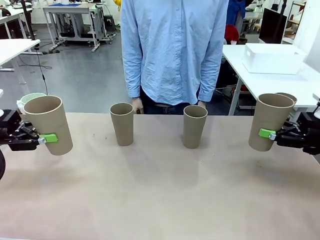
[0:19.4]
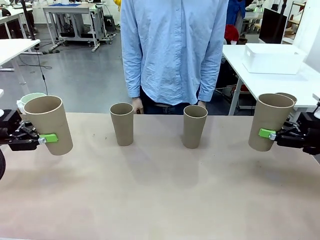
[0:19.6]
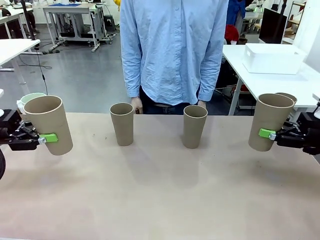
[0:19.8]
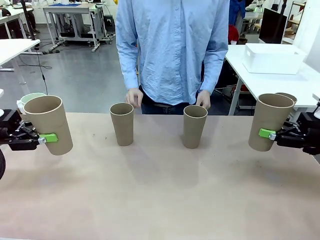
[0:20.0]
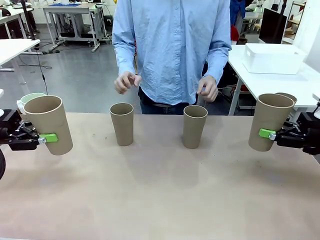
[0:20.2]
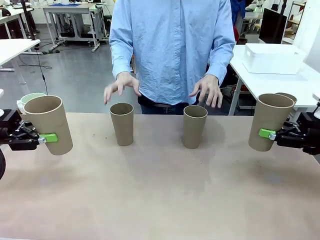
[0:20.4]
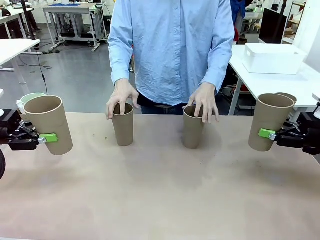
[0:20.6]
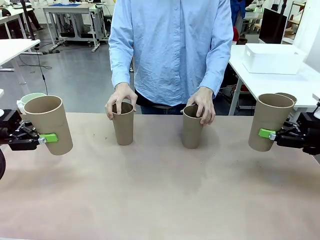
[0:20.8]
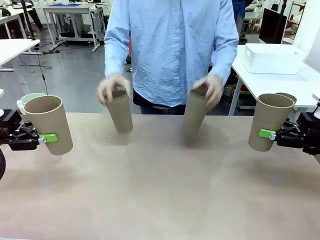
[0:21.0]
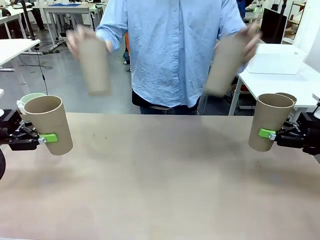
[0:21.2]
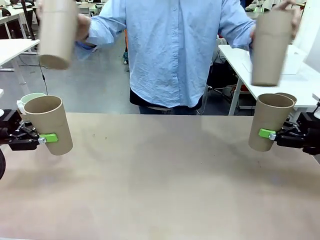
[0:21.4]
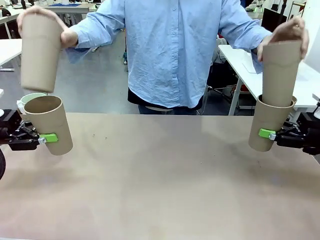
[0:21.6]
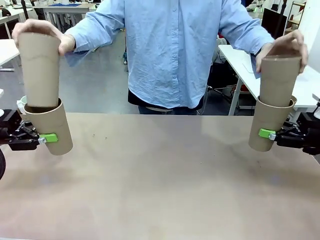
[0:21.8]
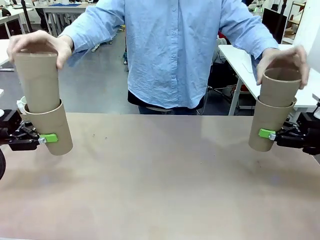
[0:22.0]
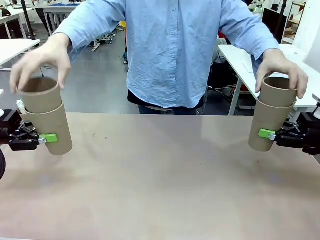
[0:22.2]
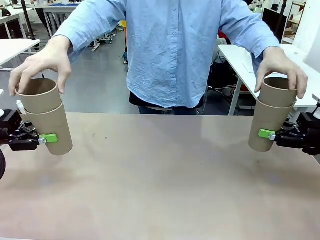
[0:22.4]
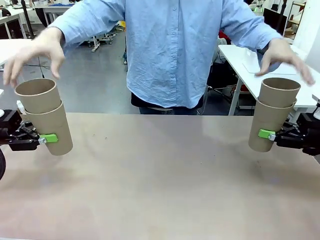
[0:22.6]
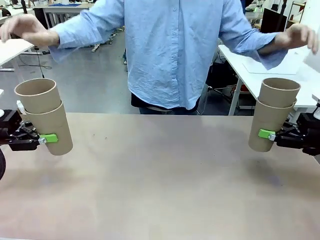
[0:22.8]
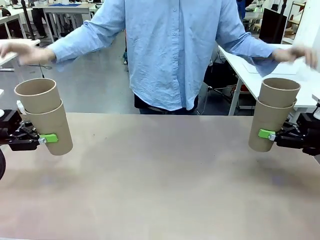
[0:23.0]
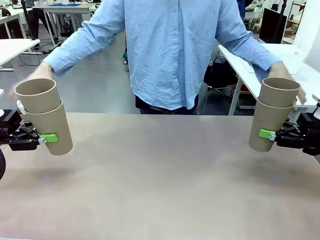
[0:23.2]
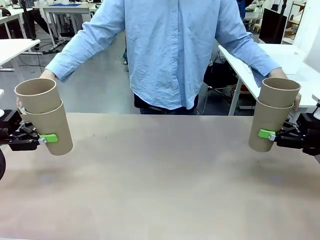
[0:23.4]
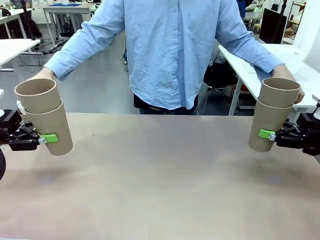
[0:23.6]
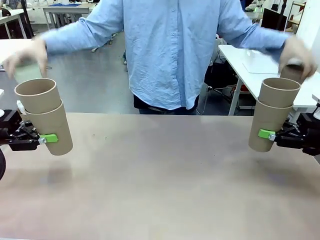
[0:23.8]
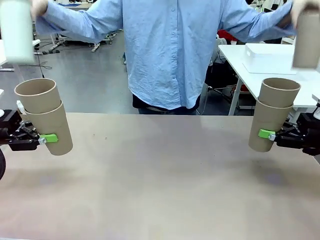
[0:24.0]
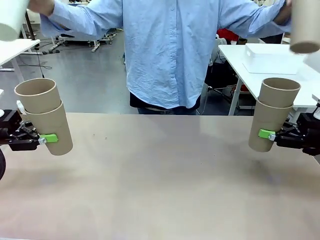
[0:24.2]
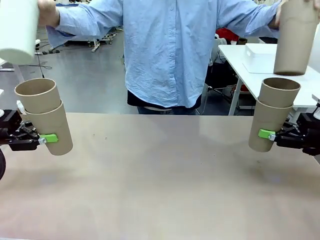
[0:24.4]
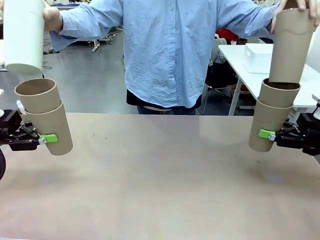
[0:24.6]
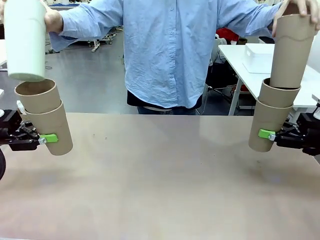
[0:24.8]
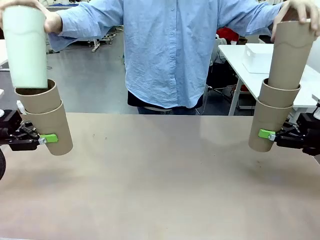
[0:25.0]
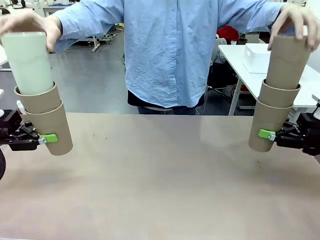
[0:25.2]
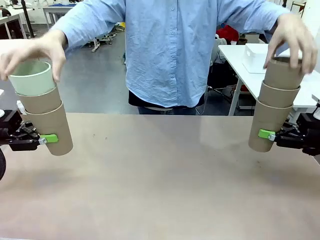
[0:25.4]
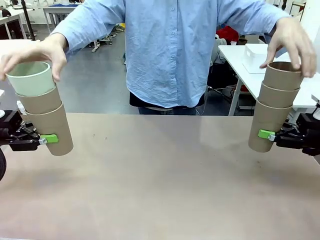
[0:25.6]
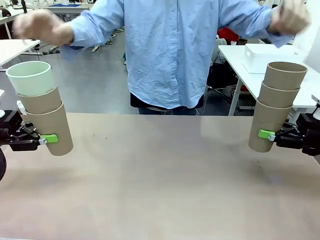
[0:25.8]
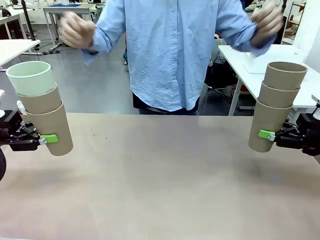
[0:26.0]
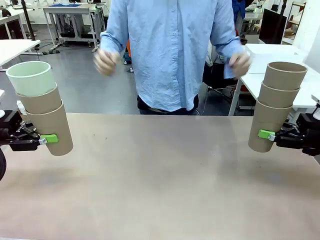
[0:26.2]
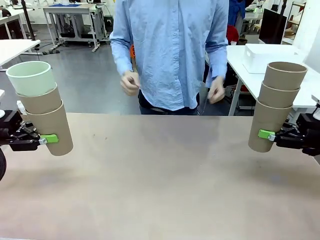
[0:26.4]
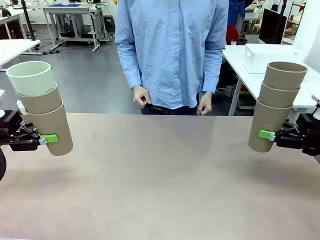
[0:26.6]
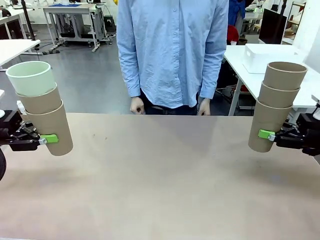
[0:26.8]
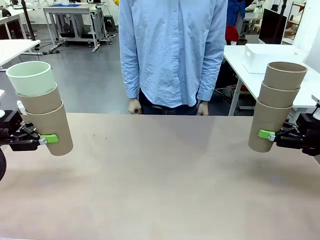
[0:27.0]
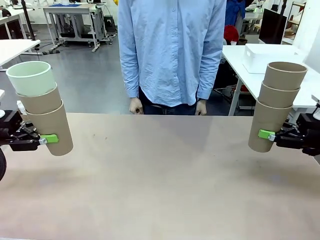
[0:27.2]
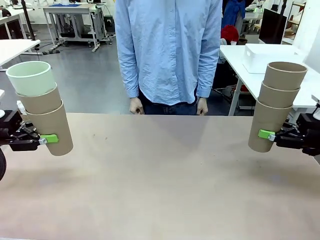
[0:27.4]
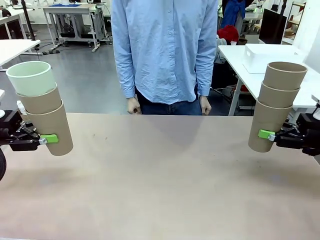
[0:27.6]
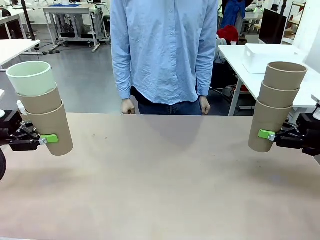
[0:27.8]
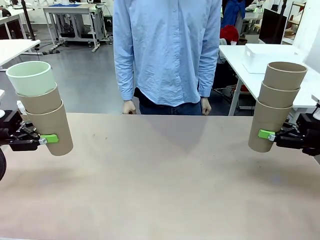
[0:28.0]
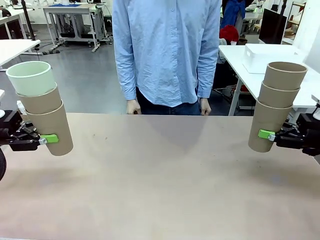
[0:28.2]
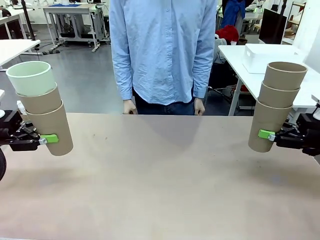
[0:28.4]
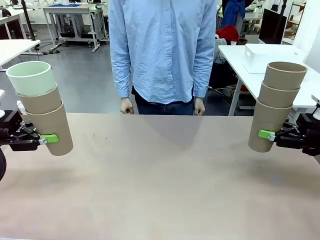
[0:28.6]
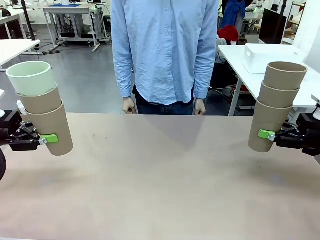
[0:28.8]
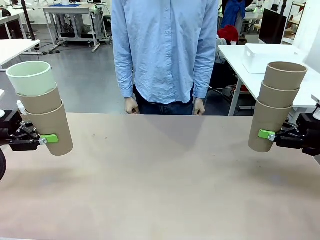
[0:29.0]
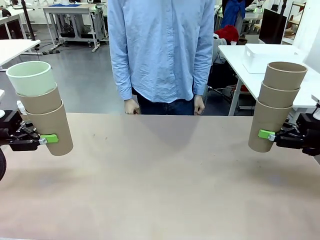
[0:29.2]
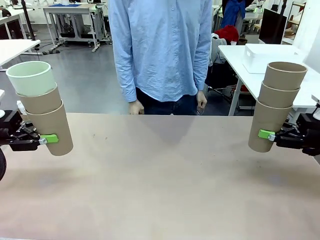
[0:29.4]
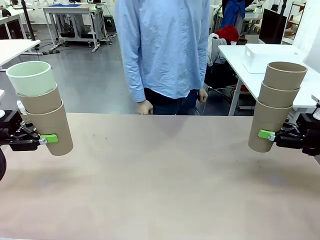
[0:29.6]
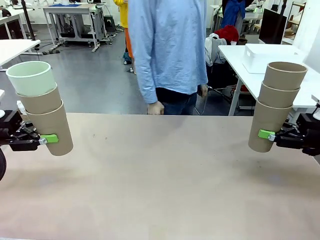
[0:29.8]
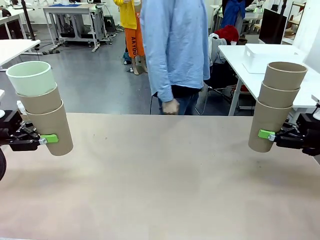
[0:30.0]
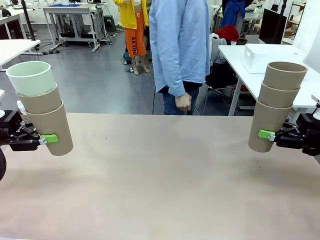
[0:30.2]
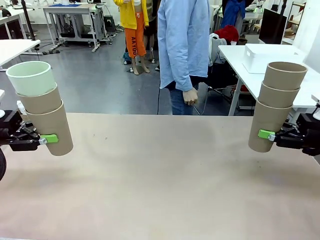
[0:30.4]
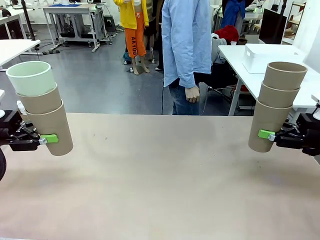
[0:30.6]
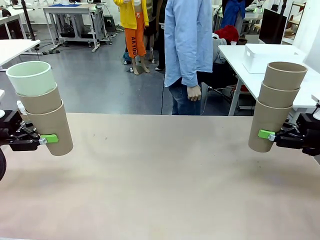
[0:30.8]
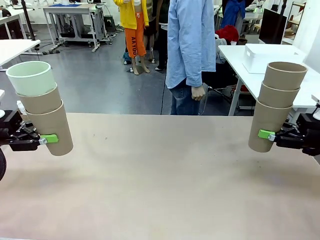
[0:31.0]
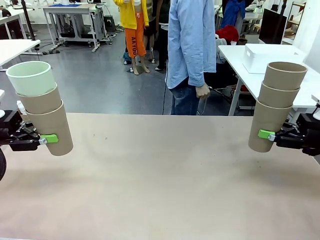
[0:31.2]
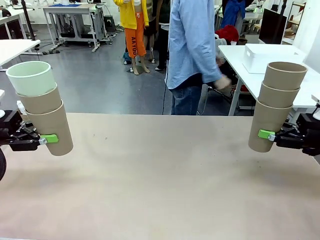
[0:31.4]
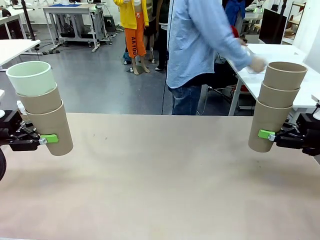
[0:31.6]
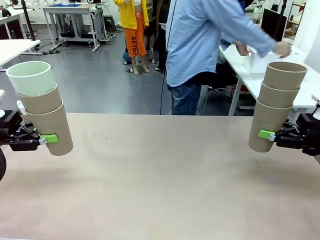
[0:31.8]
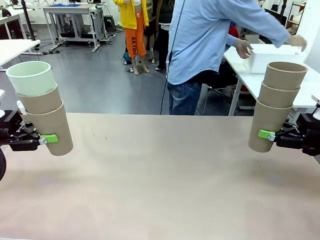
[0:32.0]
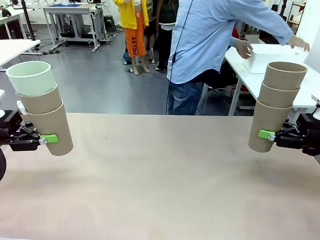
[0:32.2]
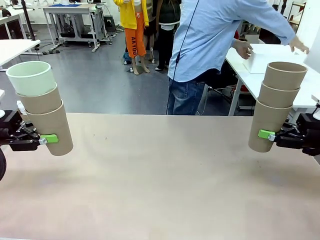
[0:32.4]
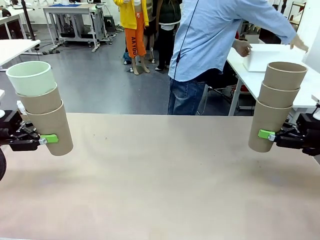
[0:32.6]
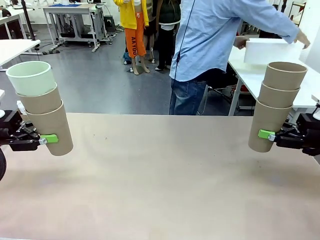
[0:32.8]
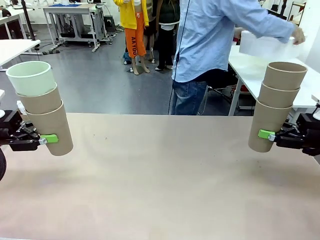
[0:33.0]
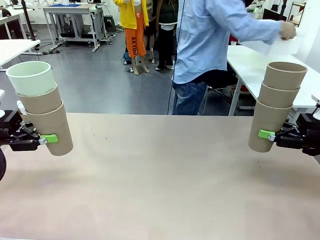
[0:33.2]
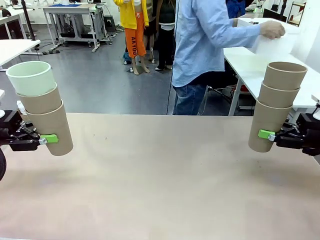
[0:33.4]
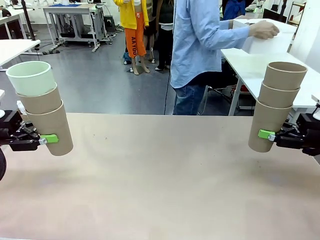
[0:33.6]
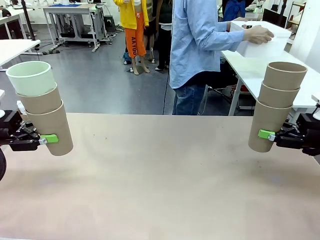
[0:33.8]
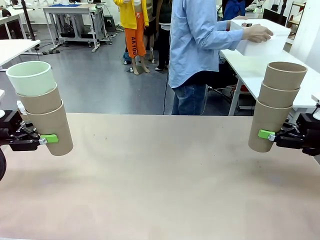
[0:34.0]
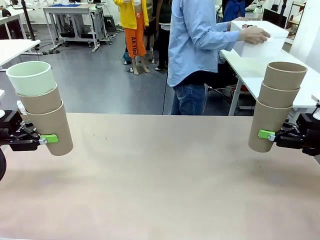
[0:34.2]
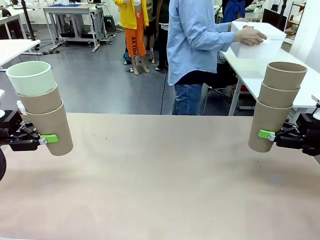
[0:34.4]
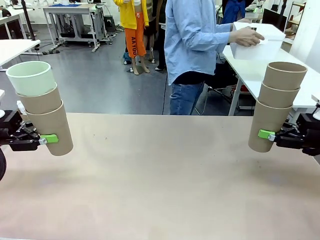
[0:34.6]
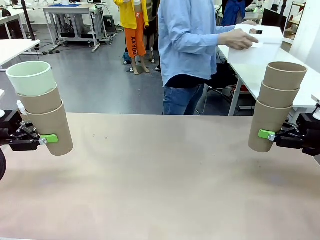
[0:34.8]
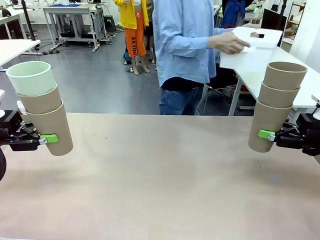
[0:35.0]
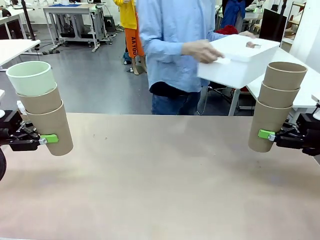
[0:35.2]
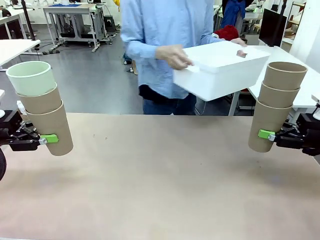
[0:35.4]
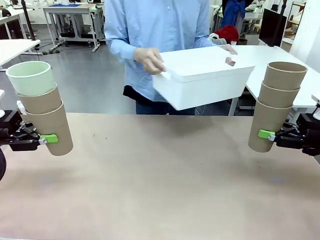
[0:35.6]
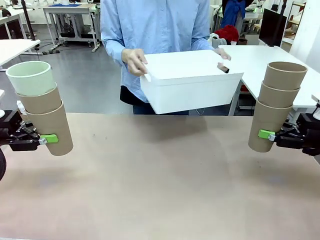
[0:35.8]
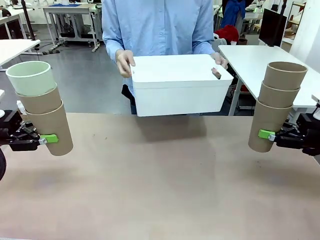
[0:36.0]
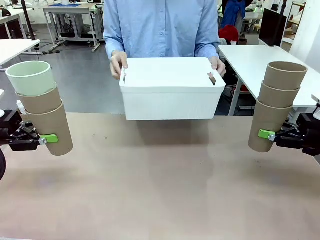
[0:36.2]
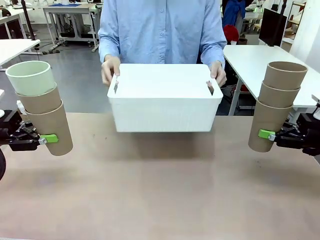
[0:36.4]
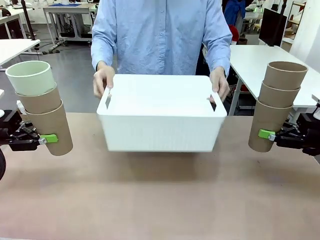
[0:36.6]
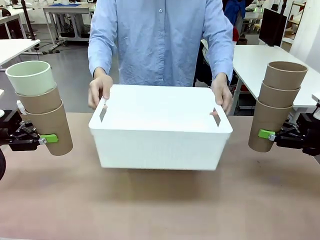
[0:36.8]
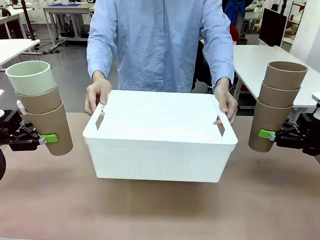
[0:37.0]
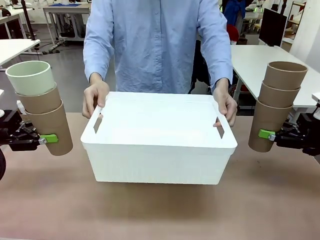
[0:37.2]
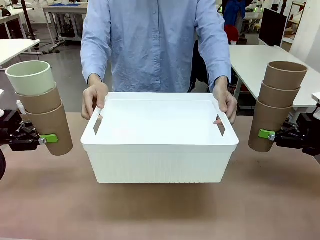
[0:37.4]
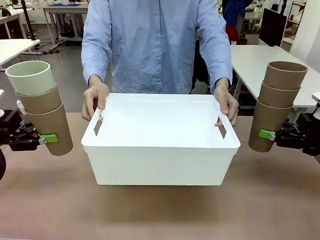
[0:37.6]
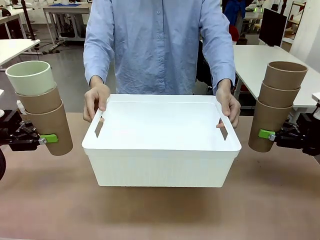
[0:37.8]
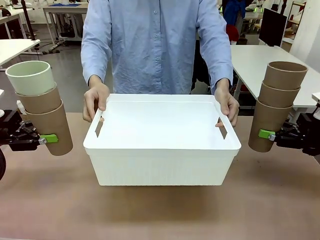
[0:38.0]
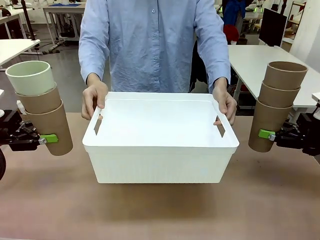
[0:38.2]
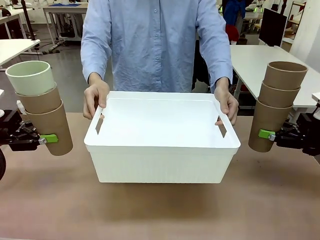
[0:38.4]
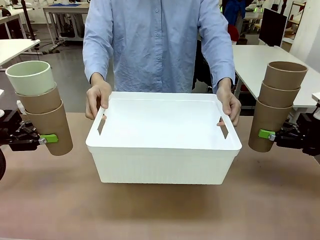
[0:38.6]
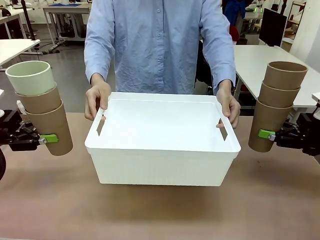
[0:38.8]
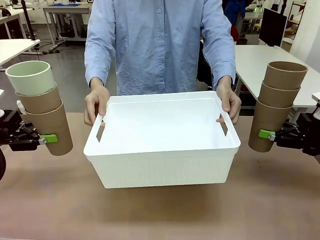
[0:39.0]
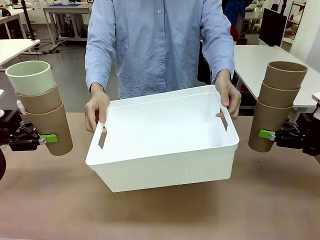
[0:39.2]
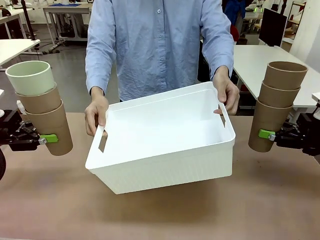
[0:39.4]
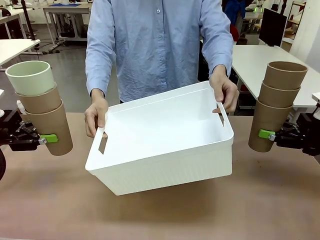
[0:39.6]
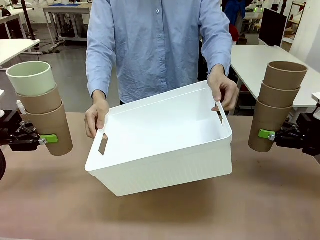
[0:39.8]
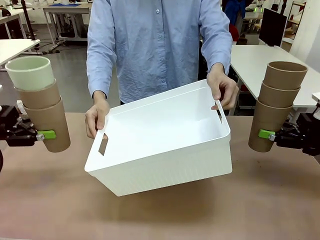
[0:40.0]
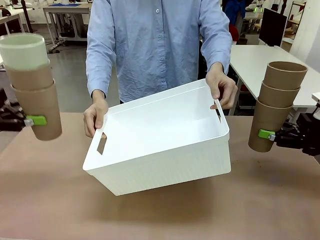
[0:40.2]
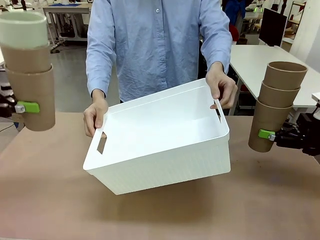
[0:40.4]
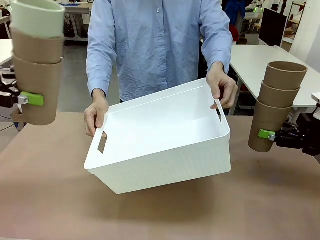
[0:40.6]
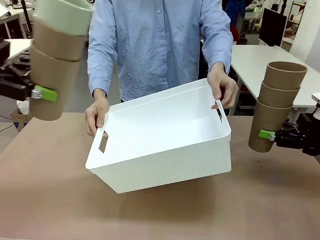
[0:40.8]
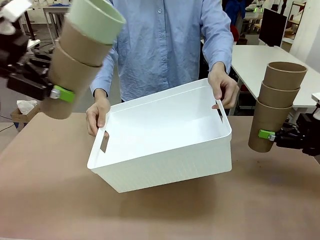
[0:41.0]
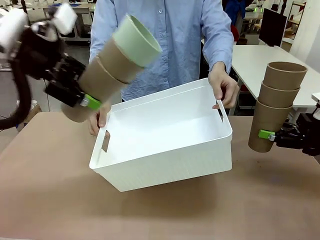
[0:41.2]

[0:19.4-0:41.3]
Task: Stack the cups and store them in the basket.
Robot: Place the stack of Reusable plastic cups into the Pantry Basket.
Person: Pick up the basket from the Human Table, bring it to the front of the robot, and present it.
